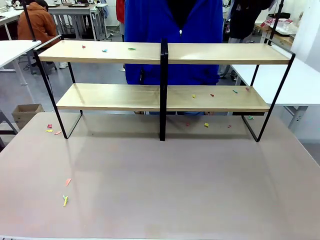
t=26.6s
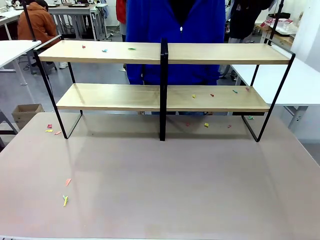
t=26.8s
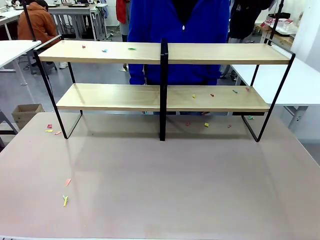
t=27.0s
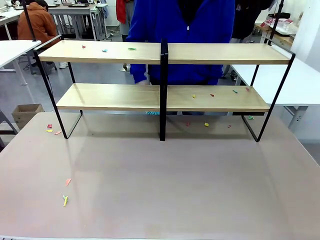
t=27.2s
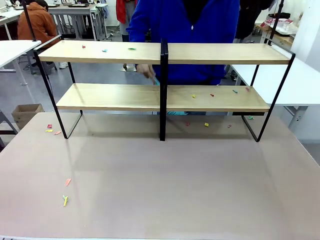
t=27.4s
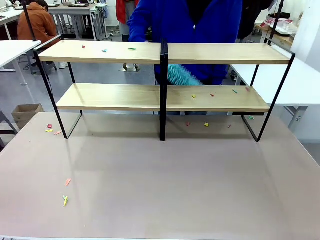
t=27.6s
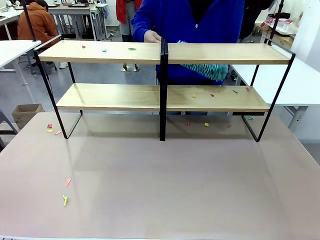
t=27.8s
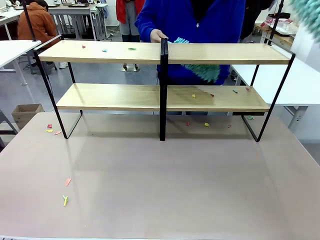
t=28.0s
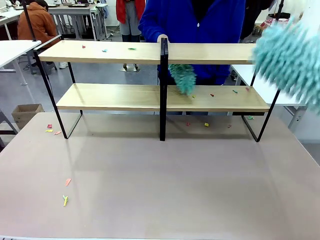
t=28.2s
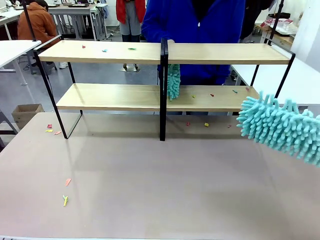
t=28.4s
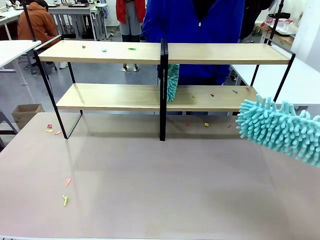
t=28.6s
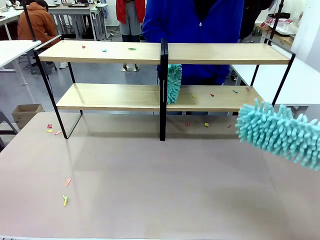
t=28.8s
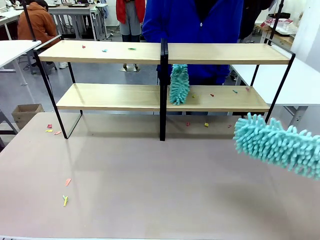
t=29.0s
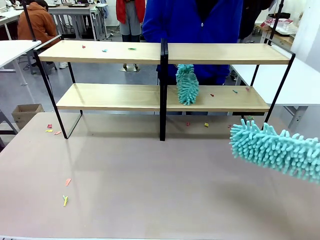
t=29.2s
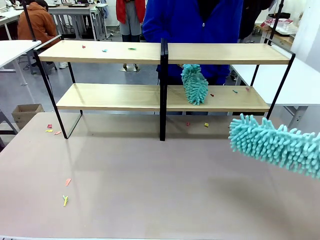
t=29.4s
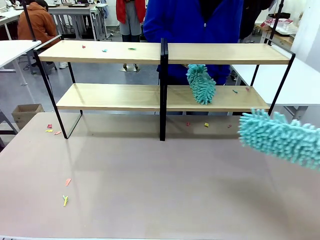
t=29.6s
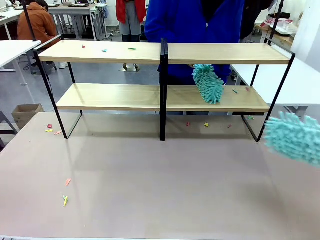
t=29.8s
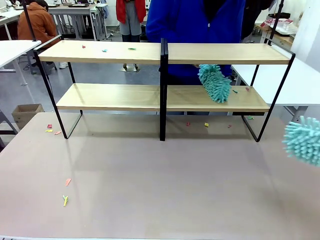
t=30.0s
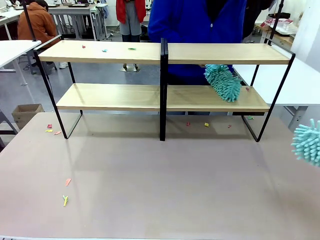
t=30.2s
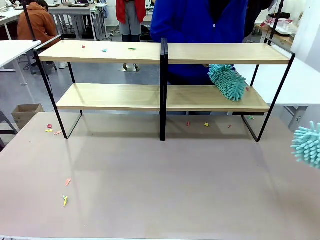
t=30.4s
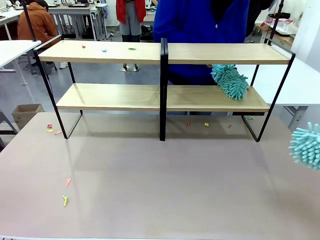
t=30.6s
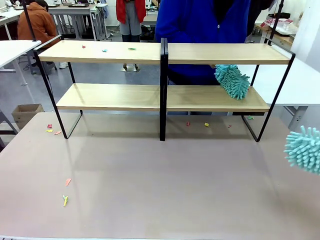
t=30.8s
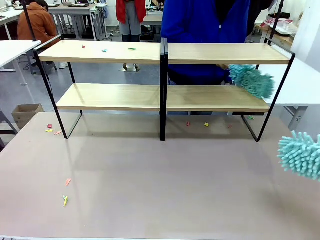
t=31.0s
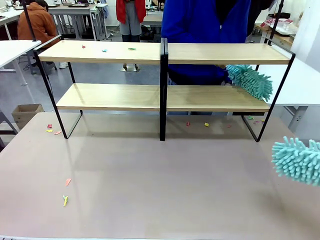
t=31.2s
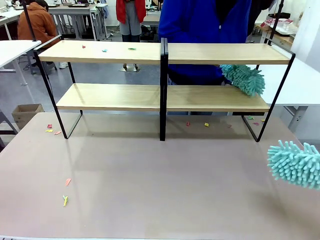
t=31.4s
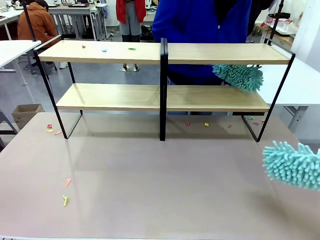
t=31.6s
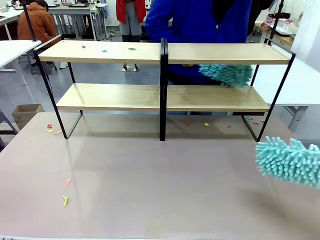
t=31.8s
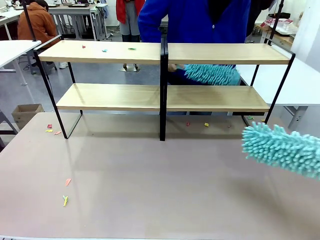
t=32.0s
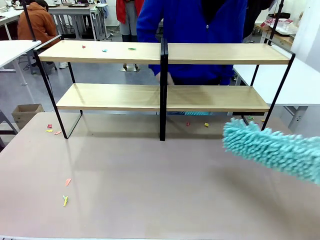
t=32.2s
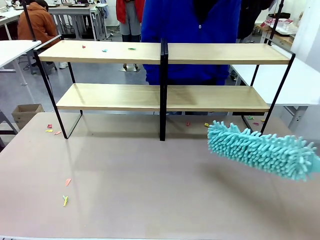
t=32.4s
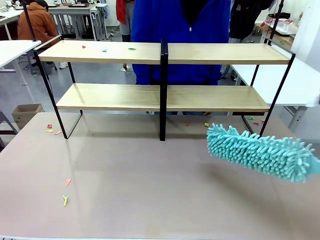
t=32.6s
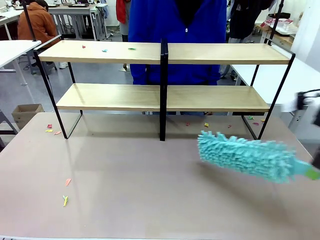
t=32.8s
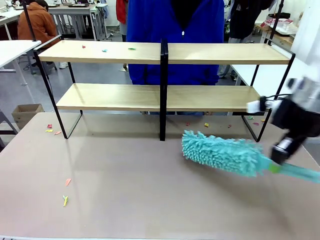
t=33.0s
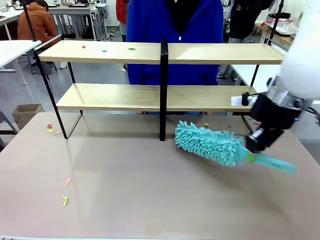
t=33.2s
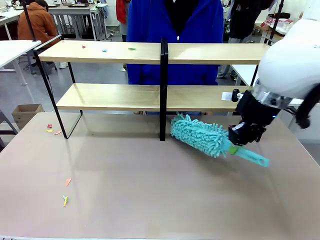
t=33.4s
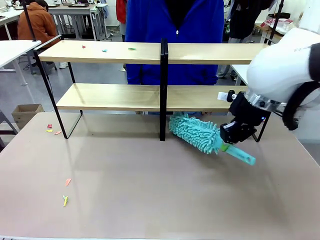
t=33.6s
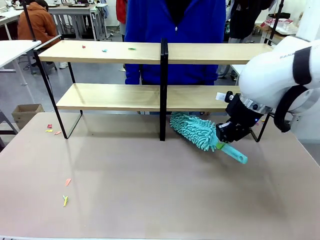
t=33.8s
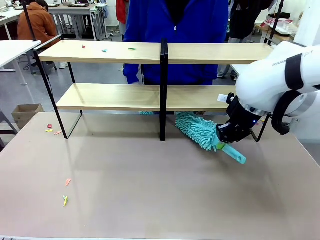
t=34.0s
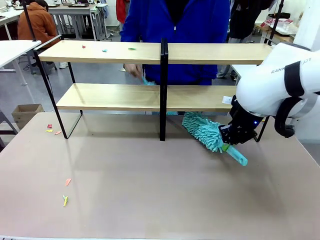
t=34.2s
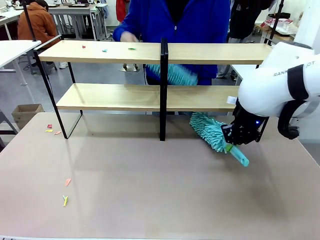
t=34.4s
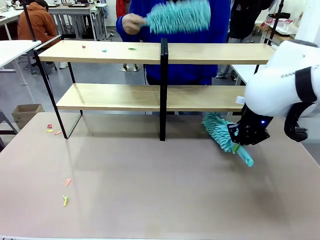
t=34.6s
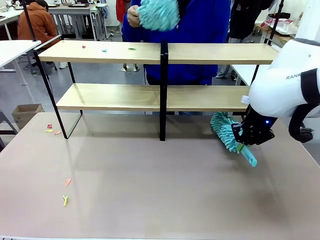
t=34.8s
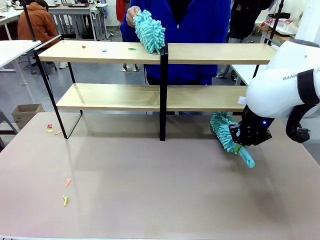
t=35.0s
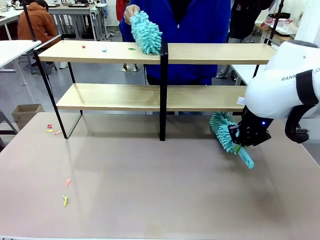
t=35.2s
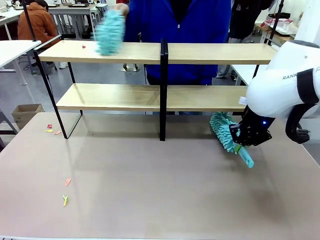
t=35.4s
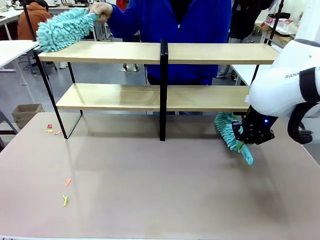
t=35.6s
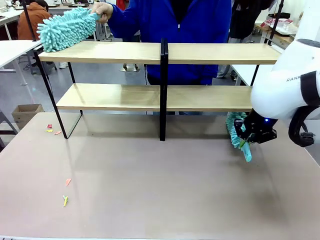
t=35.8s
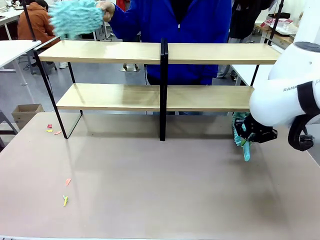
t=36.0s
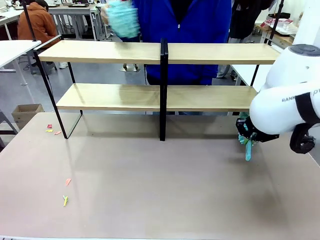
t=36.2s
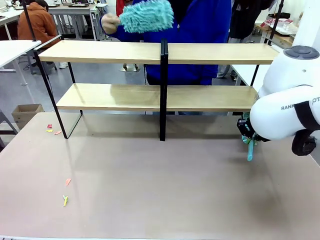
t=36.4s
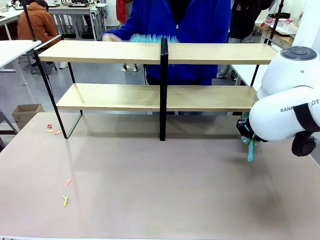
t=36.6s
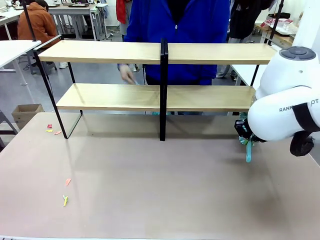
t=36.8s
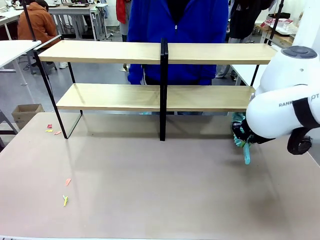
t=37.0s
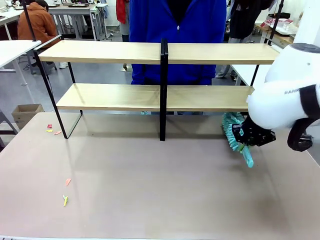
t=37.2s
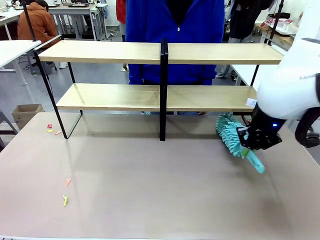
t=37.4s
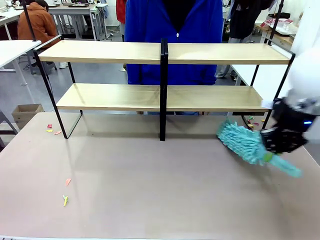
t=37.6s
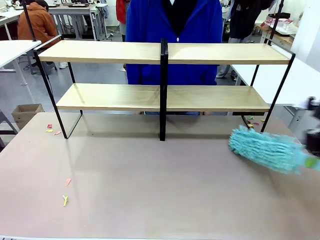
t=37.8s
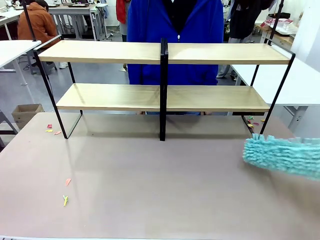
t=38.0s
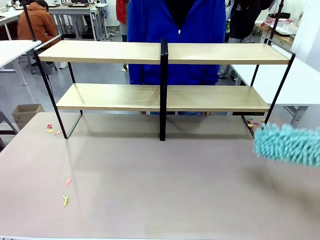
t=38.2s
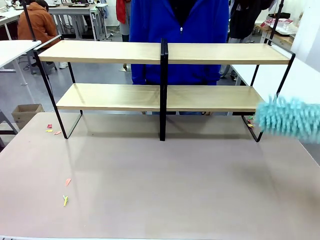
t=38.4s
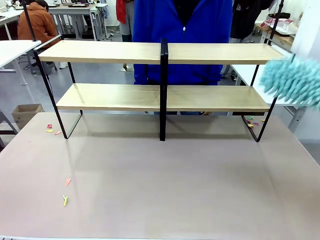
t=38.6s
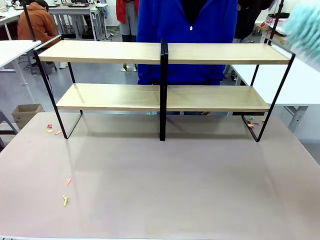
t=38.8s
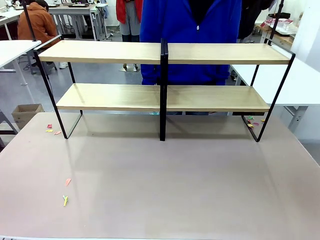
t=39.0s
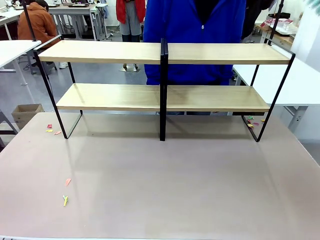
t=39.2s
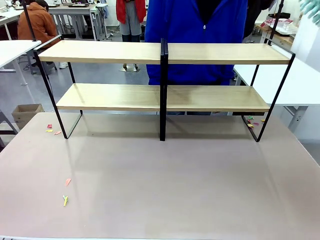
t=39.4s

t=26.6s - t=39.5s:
Task: Clean the shelves.
Robot: Clean another randomly selected level of the Shelf with the Duster.

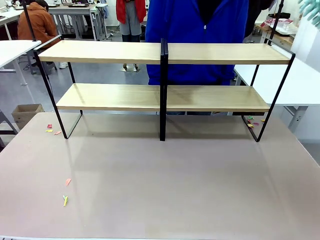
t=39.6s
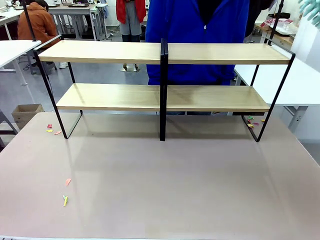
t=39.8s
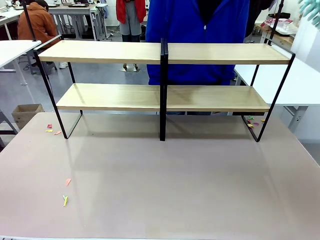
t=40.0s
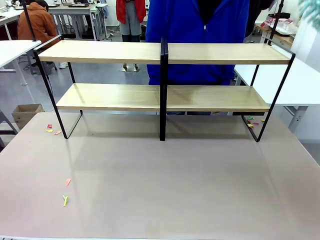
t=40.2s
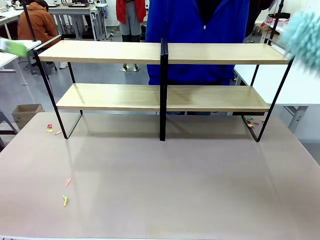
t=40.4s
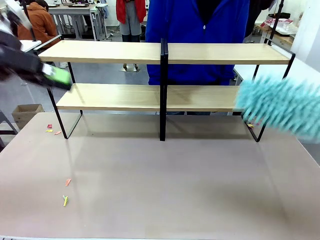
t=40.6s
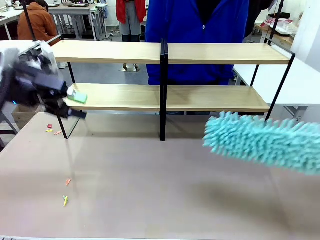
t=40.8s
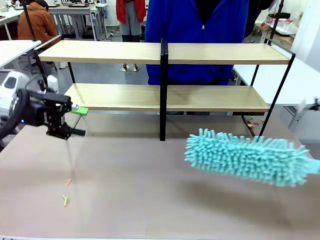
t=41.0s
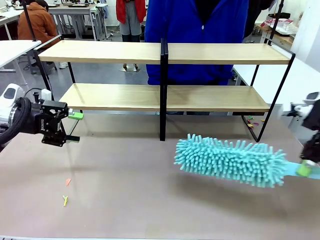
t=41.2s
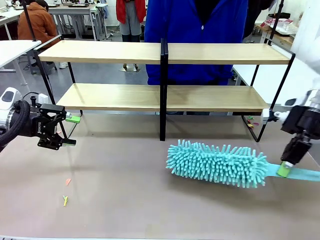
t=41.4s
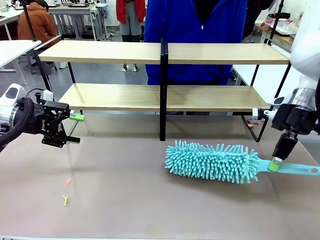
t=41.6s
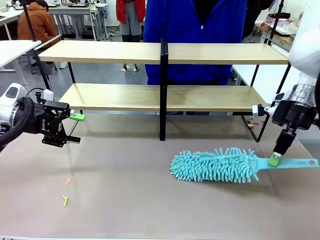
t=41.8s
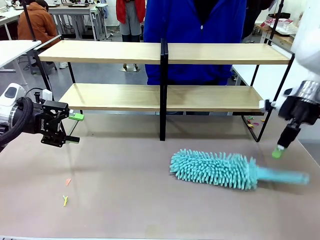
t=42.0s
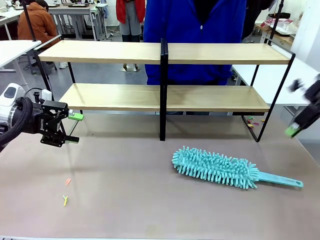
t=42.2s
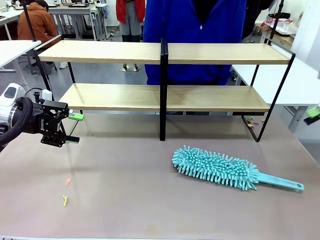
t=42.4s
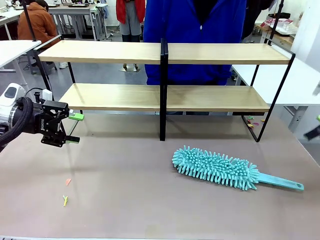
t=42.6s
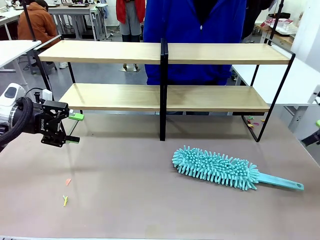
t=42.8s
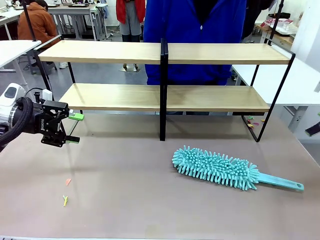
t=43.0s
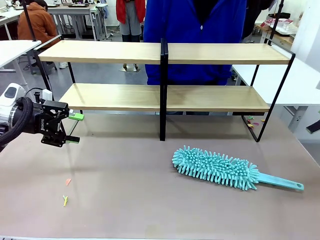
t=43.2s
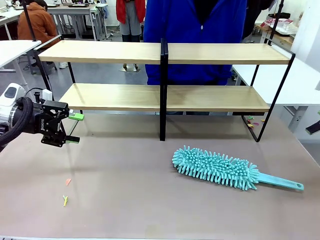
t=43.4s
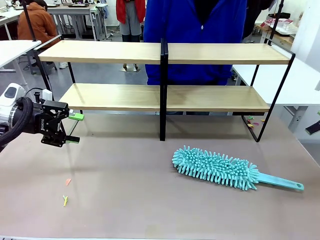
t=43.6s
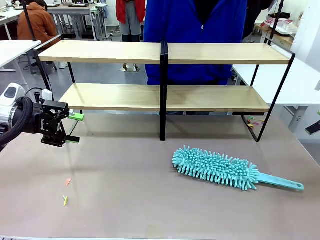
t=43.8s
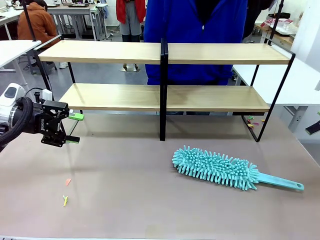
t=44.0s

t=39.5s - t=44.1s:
Robot: Place the Duster on the table.
